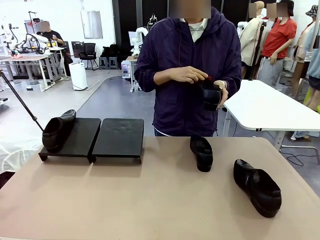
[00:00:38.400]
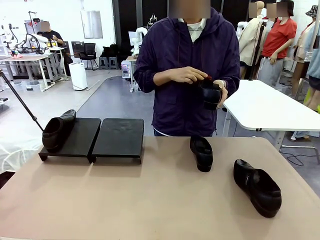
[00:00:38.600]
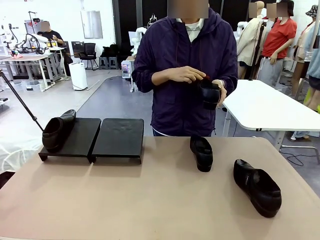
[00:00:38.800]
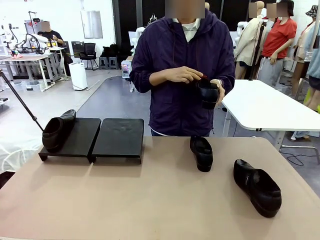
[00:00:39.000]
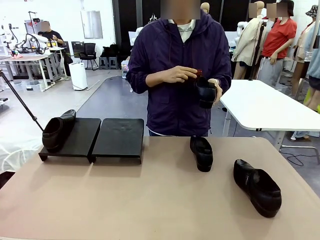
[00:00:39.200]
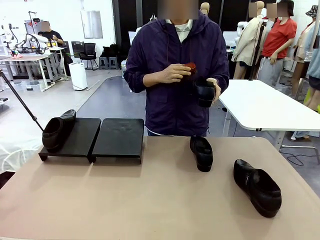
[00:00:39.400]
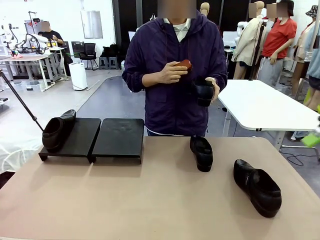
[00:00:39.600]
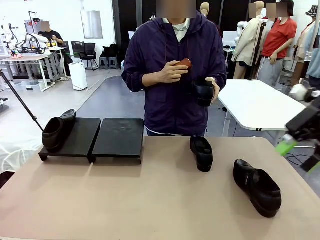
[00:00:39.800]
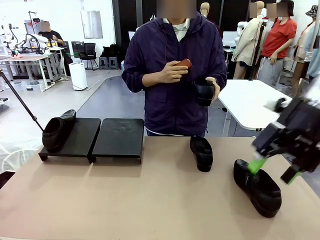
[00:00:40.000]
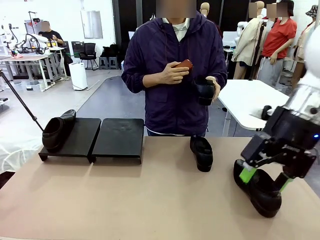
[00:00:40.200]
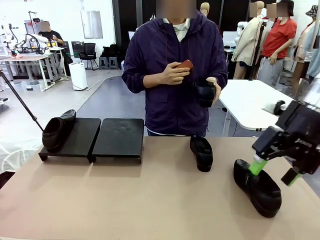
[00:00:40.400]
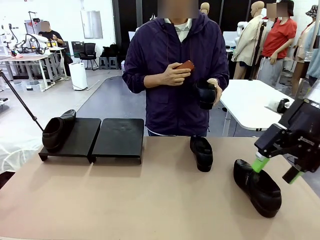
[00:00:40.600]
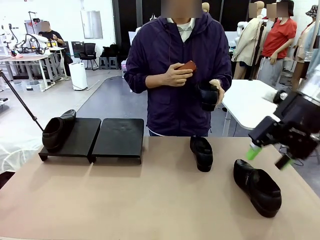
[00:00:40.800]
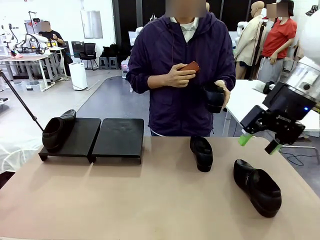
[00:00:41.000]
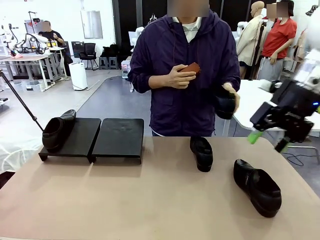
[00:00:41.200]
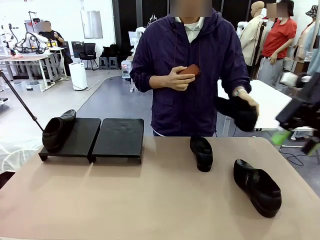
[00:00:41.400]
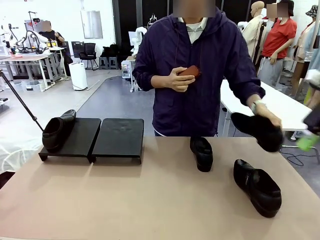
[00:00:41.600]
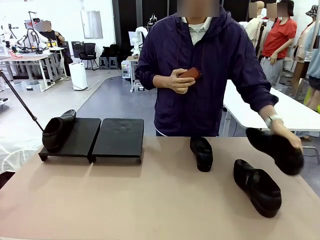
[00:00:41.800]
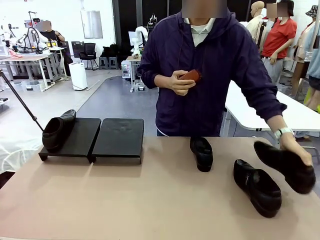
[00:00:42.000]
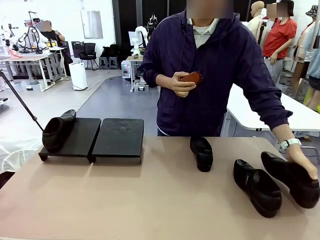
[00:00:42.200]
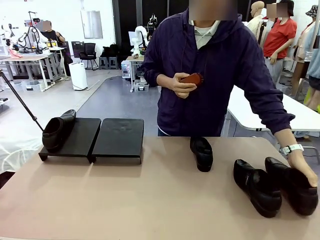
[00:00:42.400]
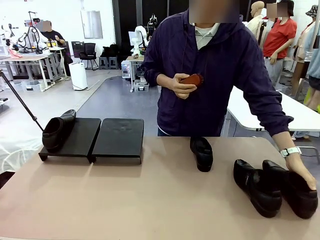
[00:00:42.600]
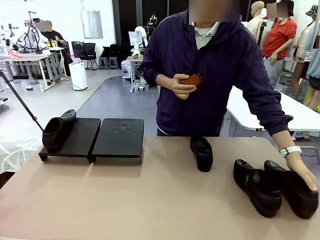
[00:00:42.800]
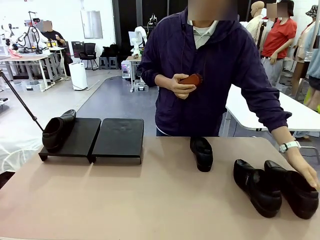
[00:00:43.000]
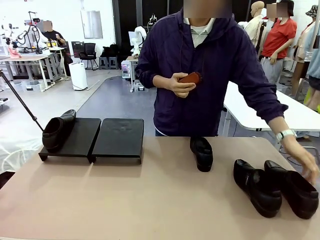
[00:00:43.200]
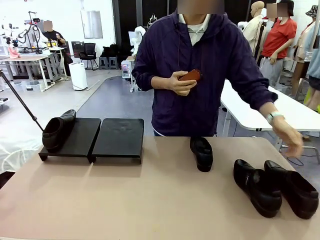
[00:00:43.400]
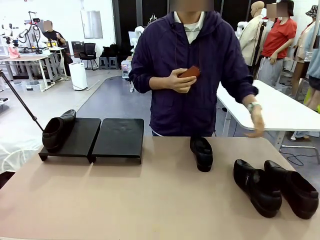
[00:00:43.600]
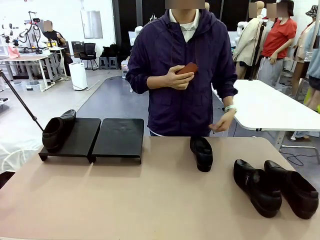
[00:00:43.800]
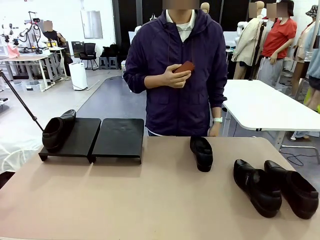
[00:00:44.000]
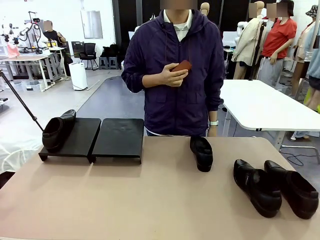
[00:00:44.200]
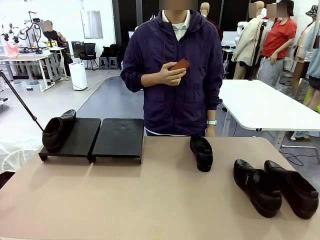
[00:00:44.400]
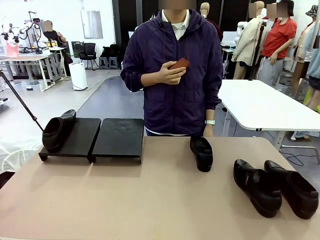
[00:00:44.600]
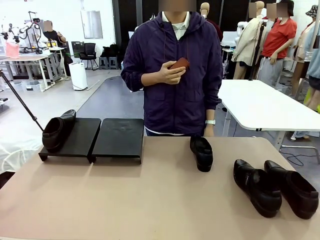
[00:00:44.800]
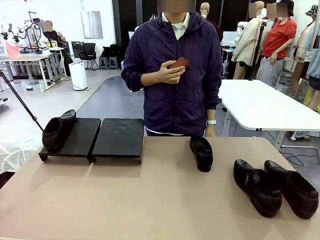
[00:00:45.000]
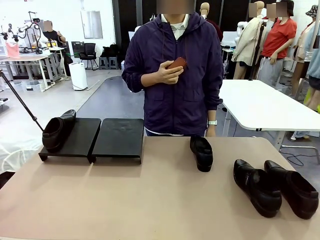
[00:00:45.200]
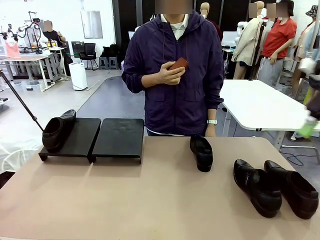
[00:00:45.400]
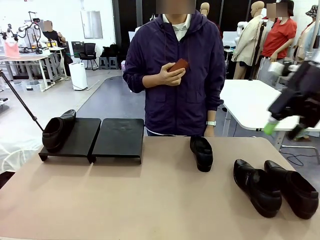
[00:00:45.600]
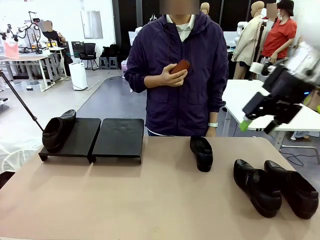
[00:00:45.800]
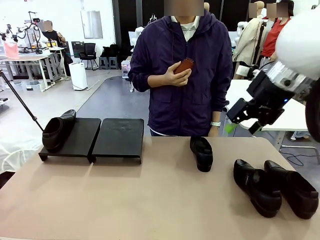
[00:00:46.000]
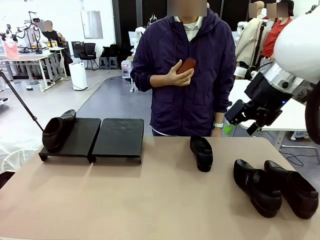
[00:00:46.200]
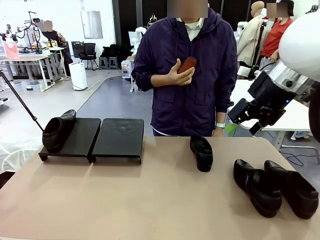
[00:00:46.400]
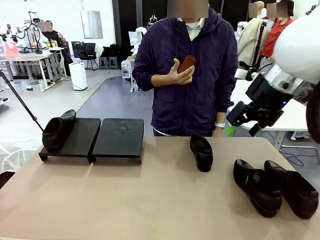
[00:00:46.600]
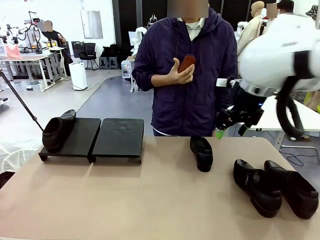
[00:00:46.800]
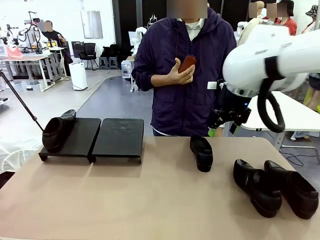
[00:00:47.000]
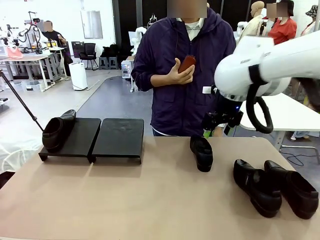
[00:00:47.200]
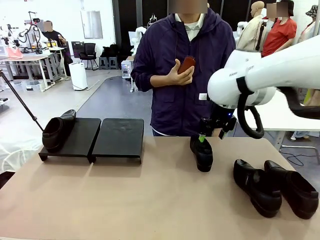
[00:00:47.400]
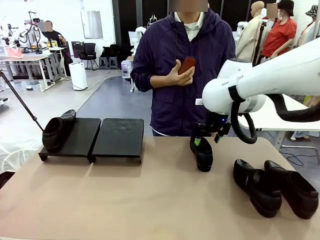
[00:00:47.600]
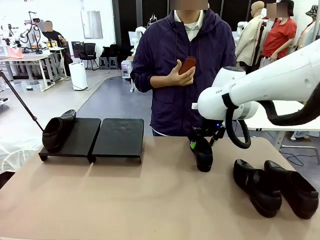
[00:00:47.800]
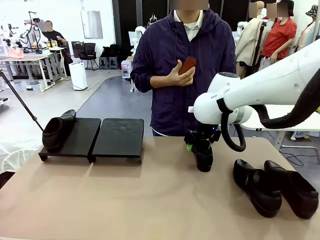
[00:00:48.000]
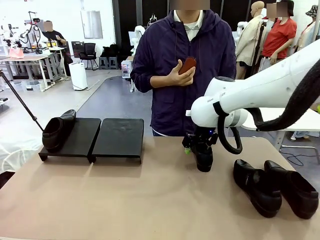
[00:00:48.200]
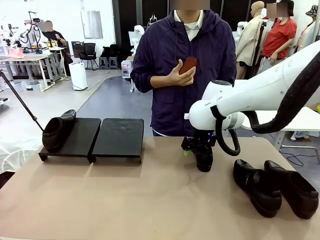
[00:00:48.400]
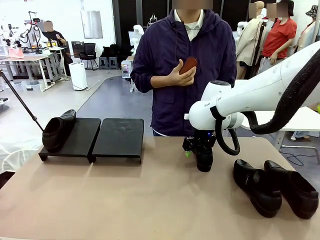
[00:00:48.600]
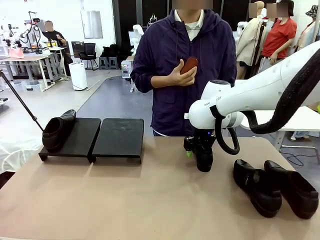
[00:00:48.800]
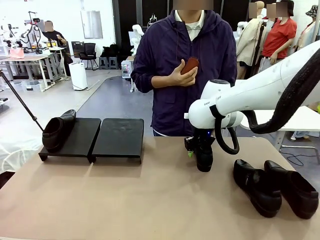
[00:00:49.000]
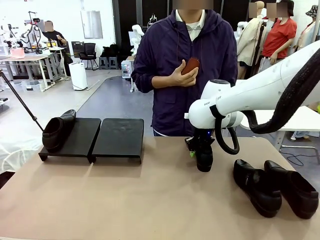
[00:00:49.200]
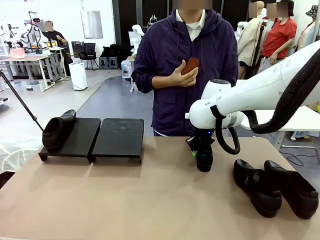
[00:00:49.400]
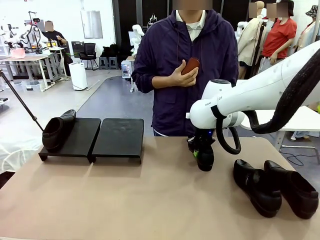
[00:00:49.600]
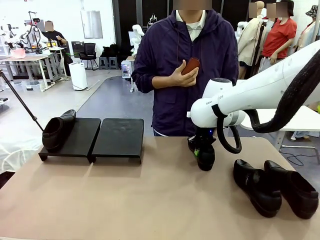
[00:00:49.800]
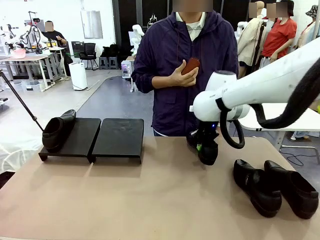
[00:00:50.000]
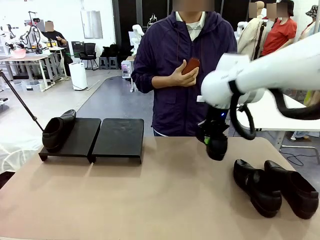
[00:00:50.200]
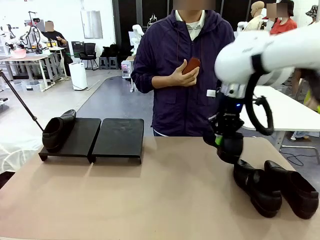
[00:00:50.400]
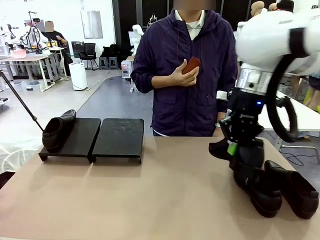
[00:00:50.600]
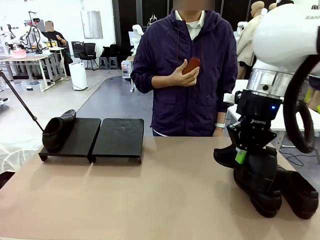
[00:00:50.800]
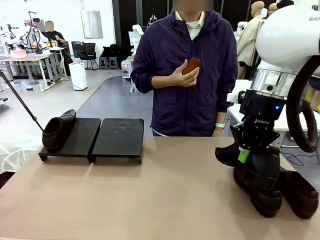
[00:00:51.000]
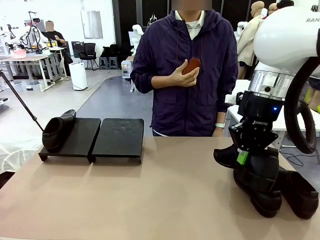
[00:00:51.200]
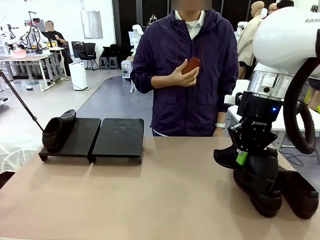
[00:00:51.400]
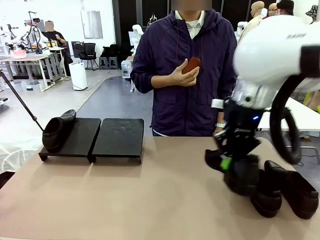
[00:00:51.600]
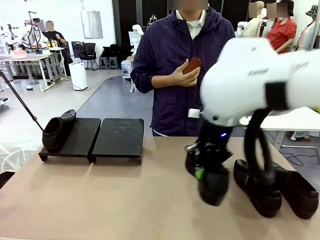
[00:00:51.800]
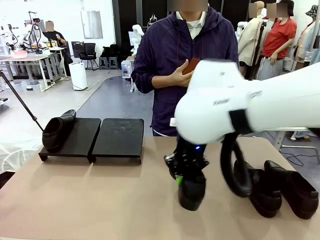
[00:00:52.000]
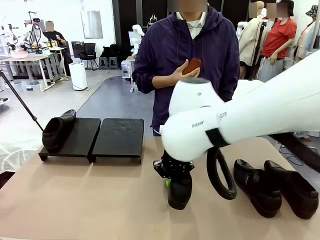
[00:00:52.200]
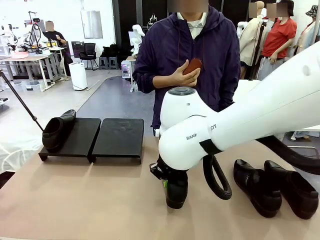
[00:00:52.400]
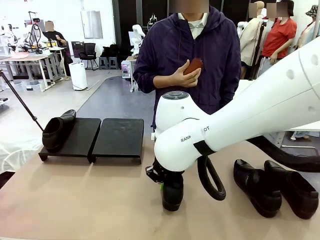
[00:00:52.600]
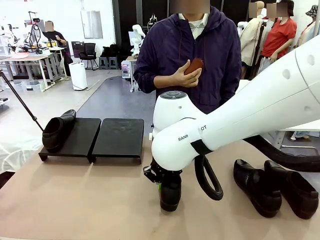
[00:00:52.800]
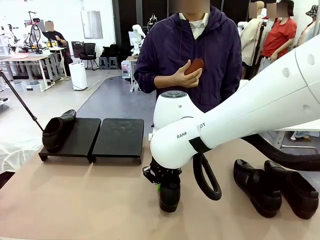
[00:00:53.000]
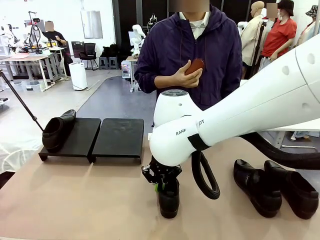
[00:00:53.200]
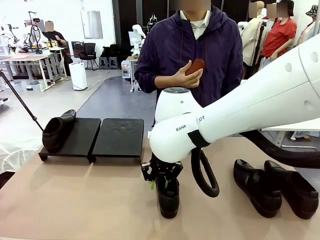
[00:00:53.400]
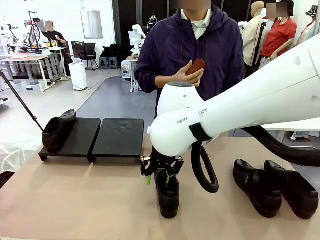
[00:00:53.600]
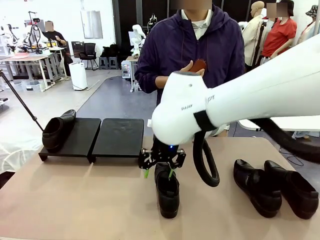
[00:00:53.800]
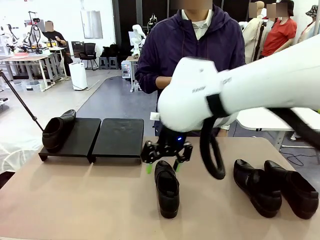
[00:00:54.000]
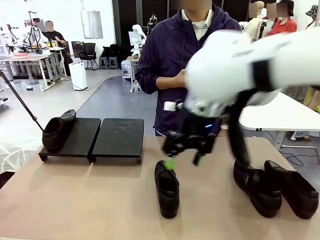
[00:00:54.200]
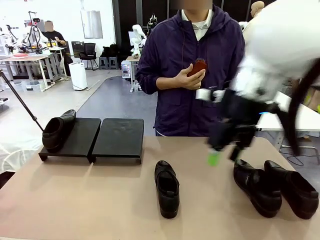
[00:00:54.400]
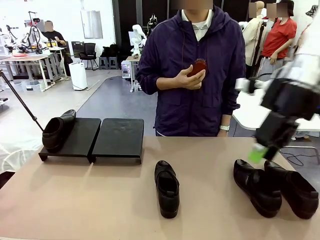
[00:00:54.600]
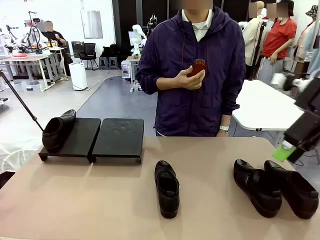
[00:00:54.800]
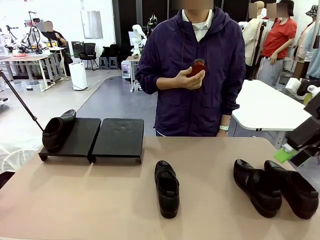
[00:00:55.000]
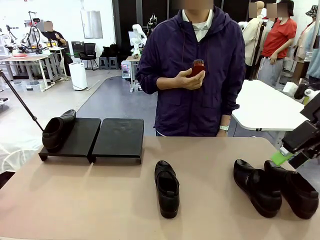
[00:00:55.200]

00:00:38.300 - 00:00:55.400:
Task: Organize the shoes by placing them on the stand.
Robot: Pick up one Shoe and place it in the middle of the table.
